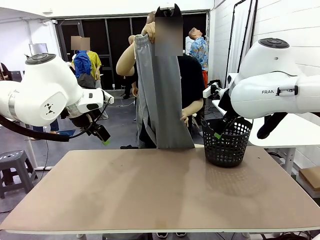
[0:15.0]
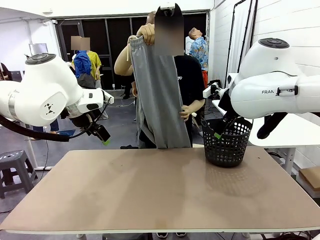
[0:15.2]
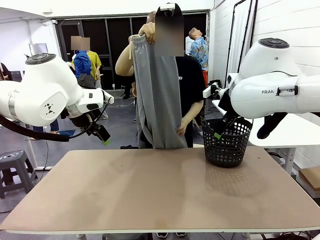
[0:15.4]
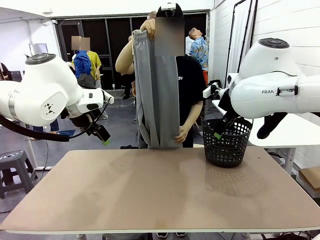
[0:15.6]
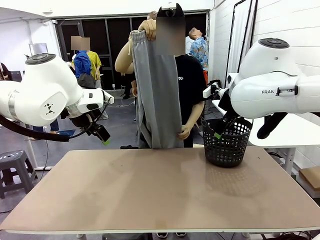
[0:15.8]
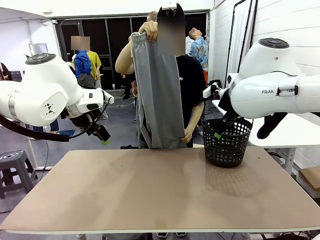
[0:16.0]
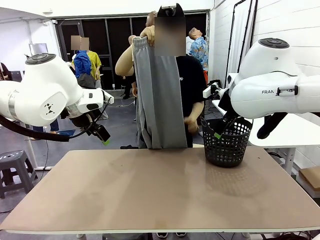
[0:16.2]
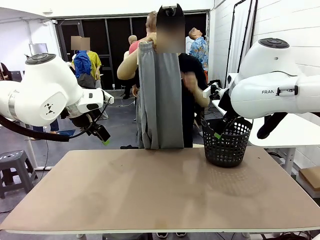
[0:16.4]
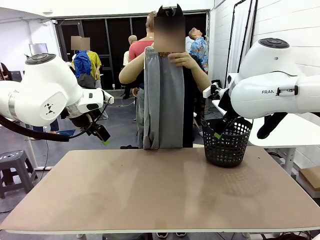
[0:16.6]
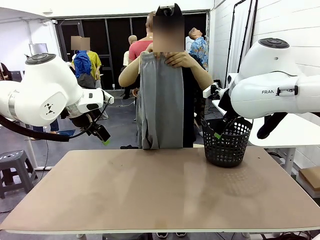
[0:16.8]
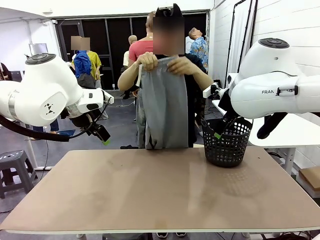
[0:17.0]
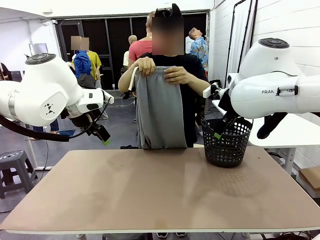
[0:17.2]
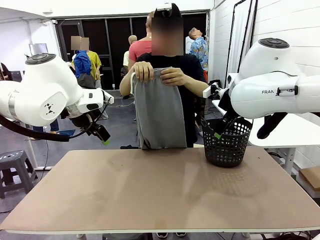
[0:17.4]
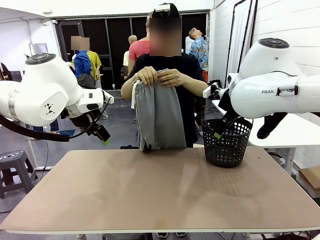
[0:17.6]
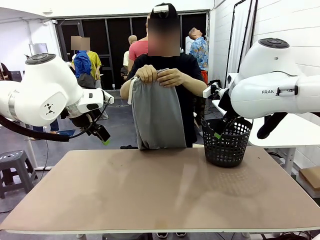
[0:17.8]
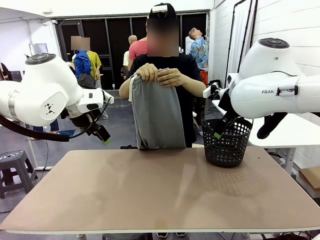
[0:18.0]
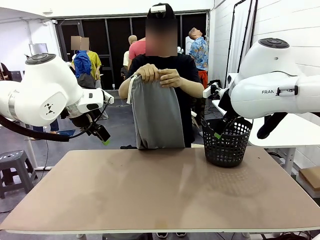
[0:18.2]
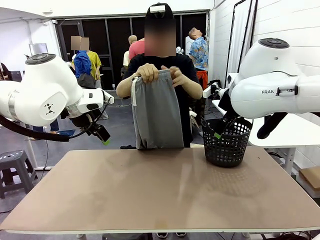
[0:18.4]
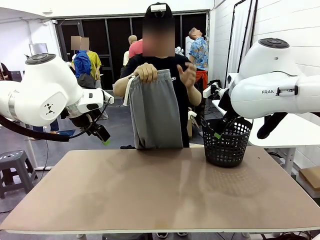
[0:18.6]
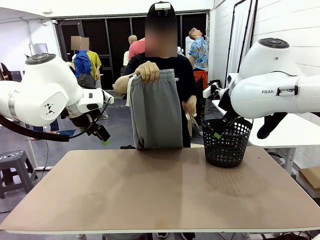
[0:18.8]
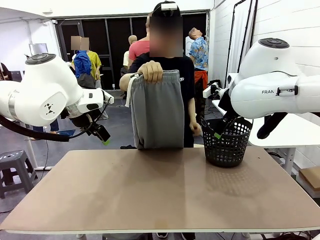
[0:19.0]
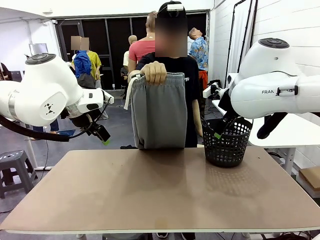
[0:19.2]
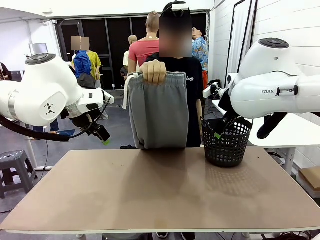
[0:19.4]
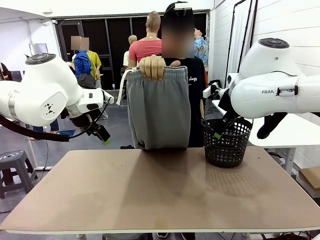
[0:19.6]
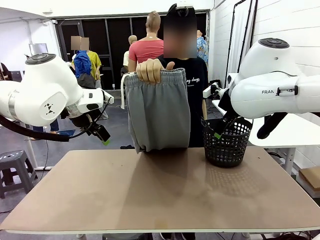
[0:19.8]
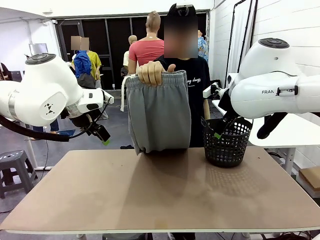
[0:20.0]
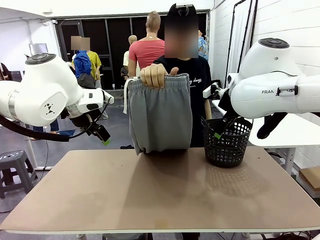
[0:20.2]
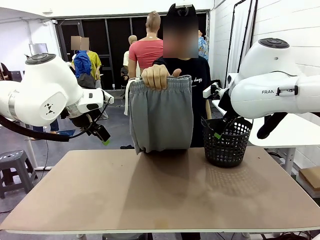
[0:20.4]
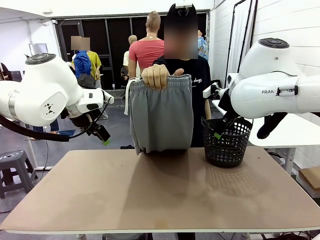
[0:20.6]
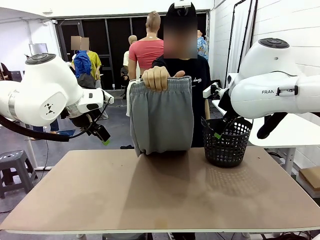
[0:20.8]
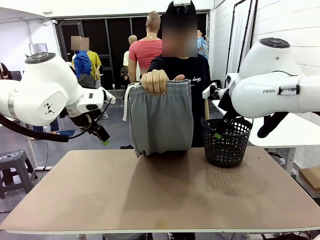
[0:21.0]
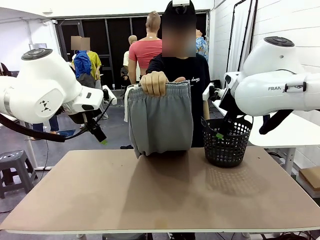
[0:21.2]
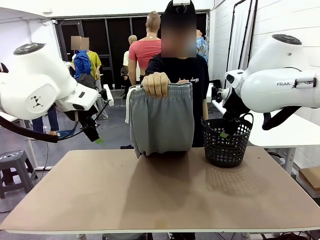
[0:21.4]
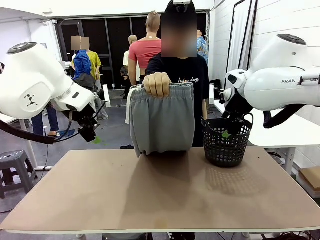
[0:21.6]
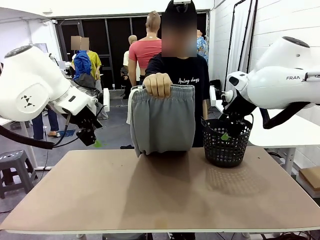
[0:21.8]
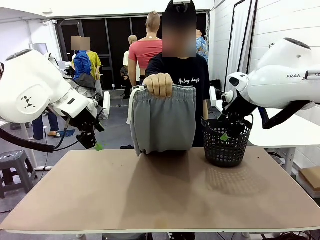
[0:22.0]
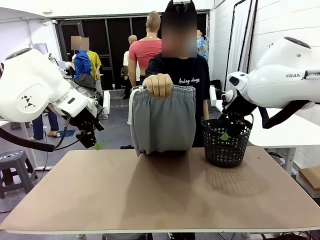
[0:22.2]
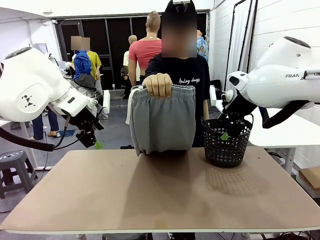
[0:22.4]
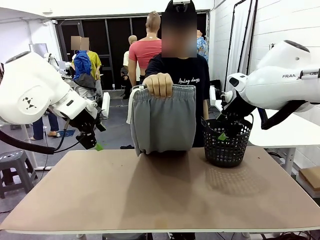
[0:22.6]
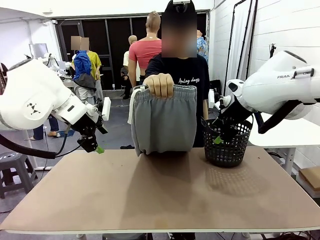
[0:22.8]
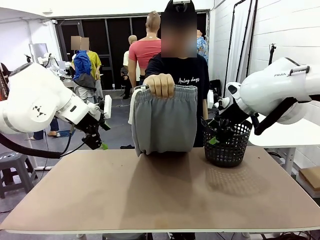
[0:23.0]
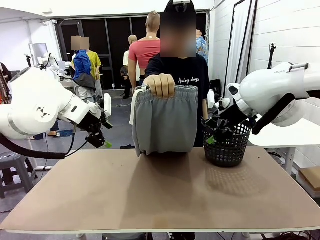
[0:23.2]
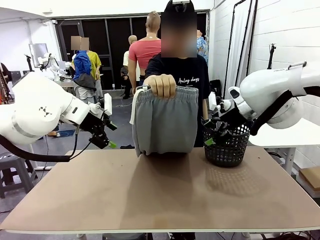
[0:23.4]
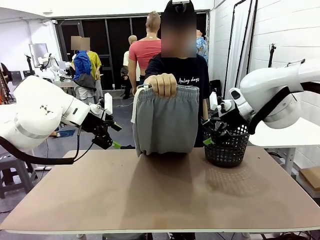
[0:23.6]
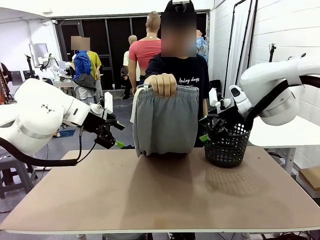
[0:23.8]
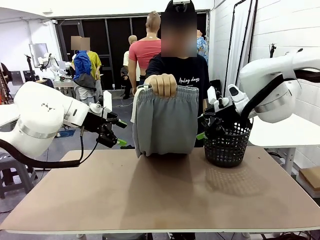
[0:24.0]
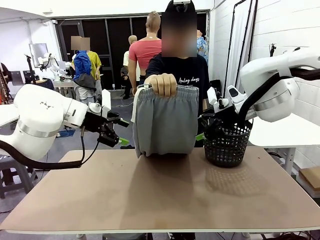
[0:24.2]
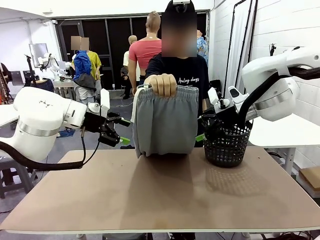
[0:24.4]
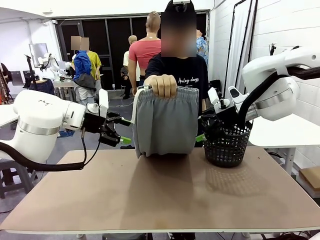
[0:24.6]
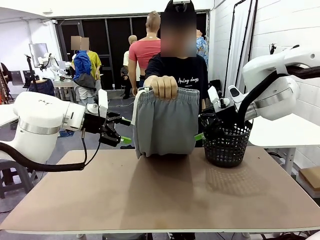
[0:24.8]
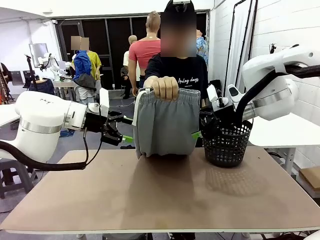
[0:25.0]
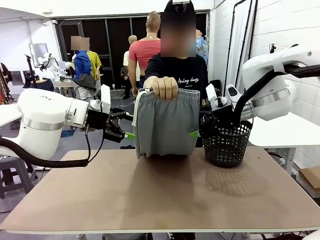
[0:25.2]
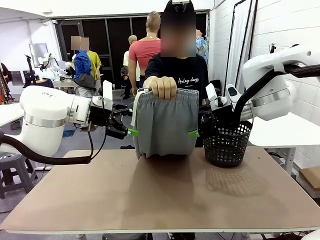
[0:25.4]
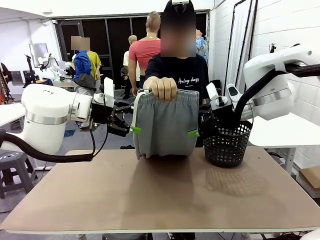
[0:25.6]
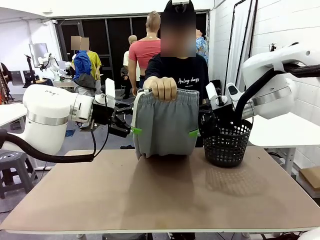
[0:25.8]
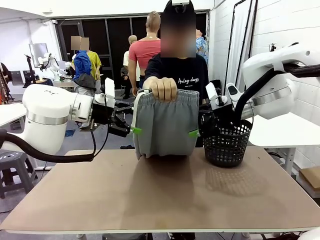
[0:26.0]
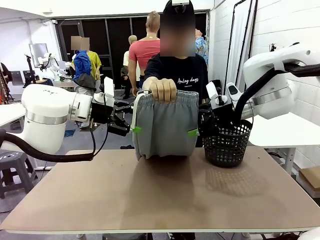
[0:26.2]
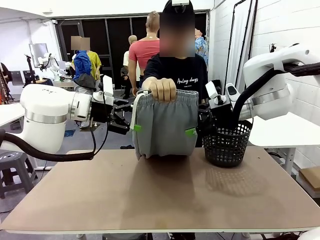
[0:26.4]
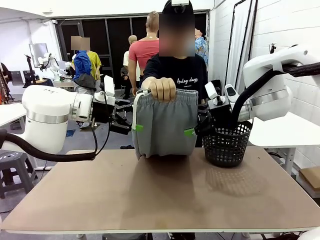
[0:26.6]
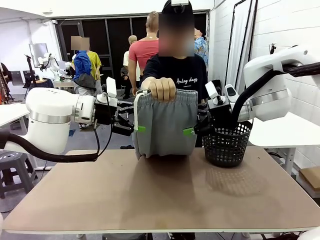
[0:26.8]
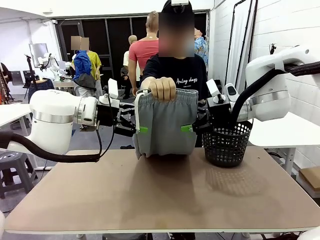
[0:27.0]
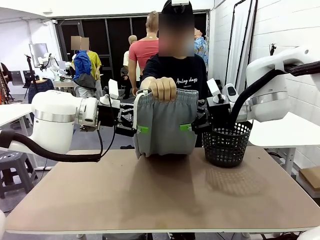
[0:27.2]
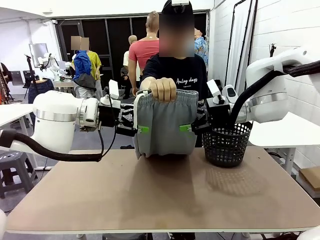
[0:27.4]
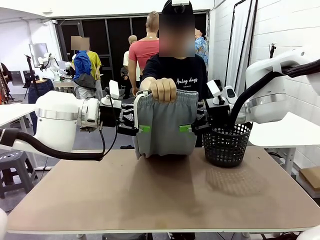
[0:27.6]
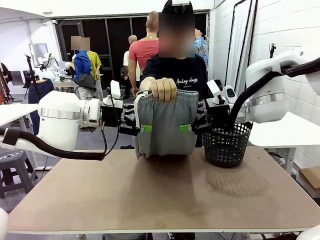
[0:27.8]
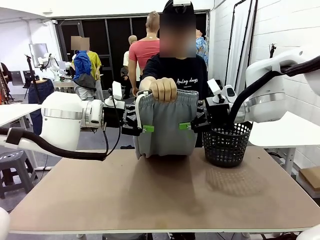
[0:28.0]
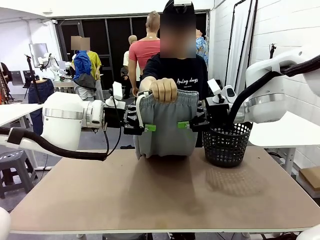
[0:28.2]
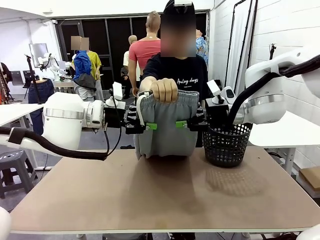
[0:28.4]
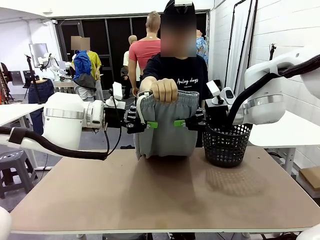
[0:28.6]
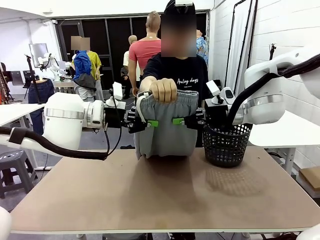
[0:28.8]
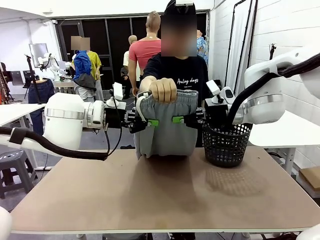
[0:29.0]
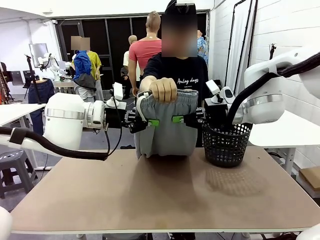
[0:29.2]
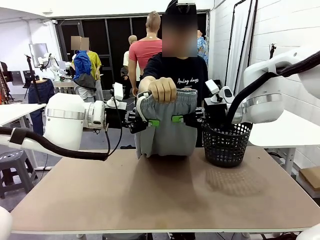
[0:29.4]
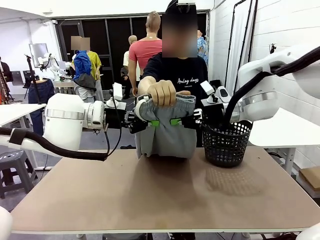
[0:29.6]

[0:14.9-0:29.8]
Task: Fold the training pants.
Robot: Grab both ends of the Training pants handed by a person.
